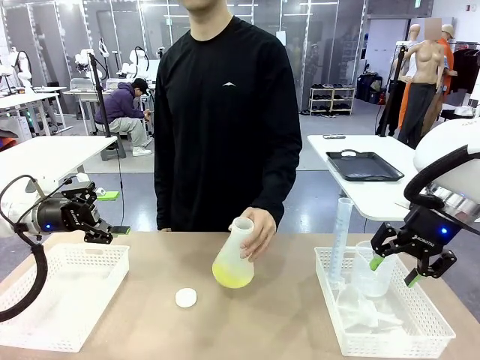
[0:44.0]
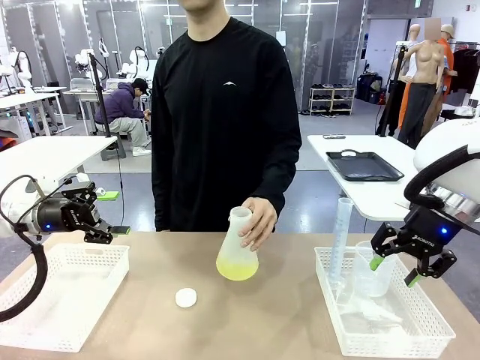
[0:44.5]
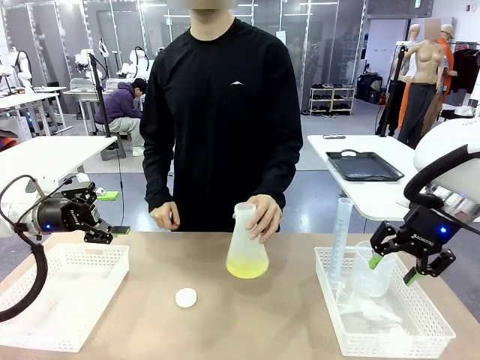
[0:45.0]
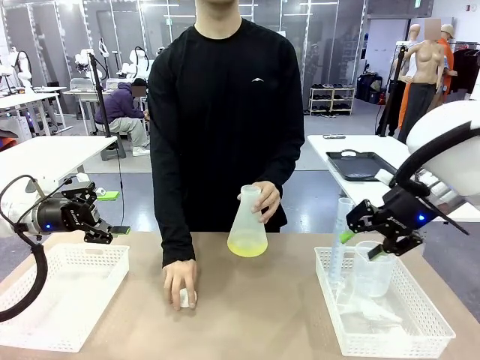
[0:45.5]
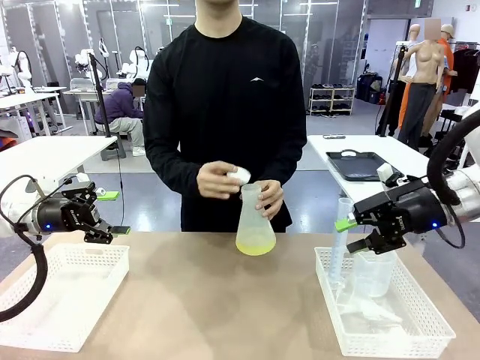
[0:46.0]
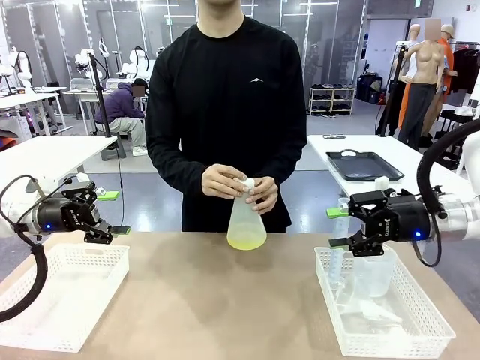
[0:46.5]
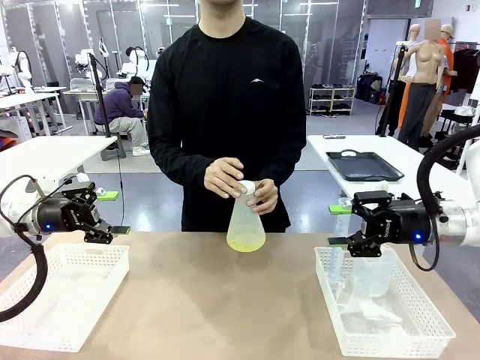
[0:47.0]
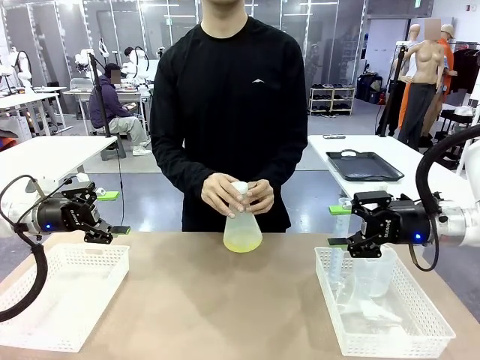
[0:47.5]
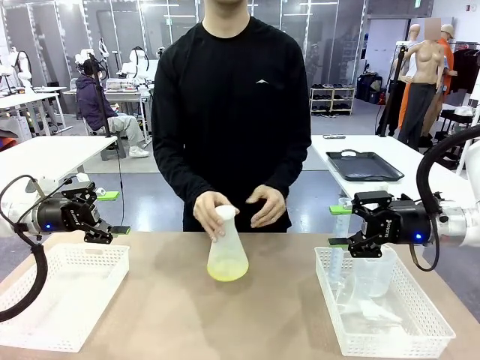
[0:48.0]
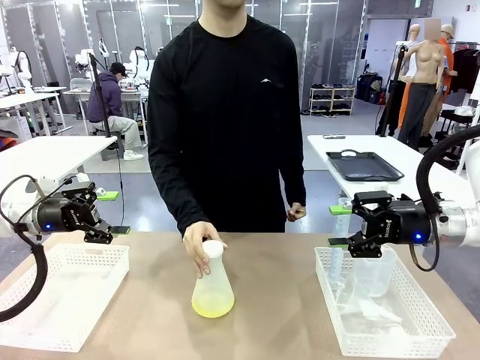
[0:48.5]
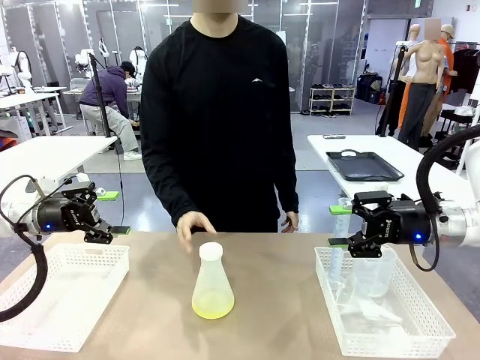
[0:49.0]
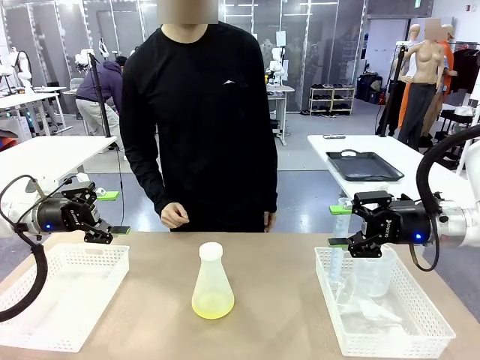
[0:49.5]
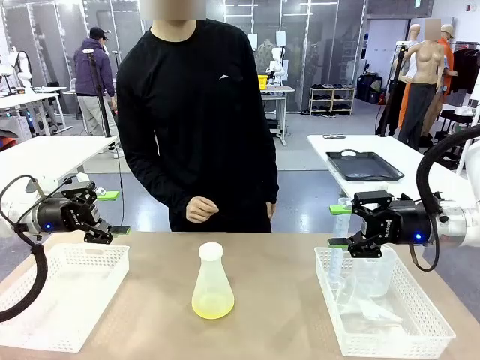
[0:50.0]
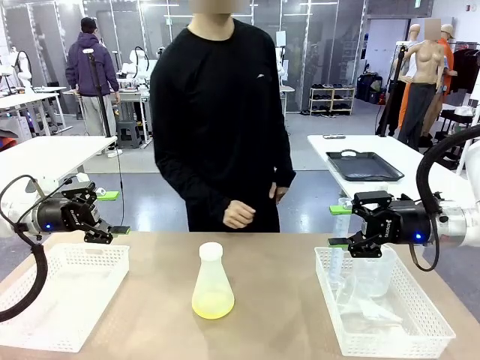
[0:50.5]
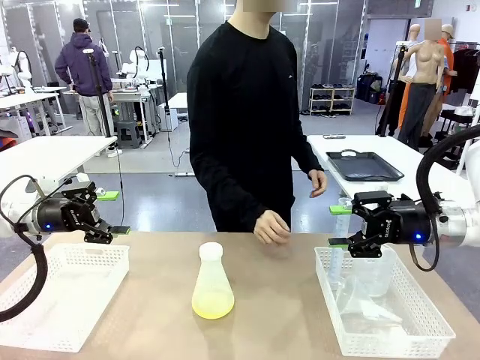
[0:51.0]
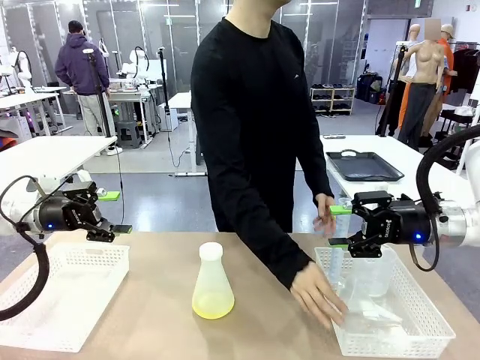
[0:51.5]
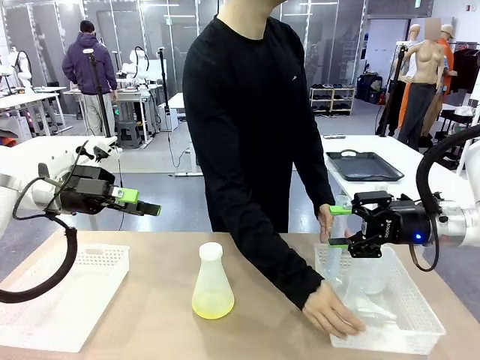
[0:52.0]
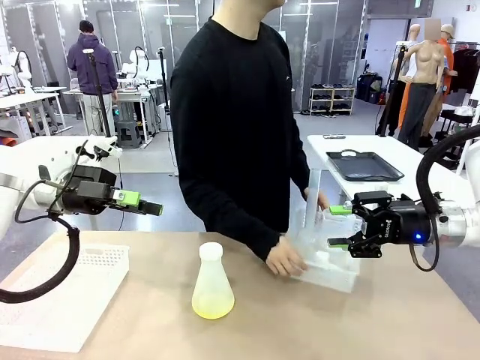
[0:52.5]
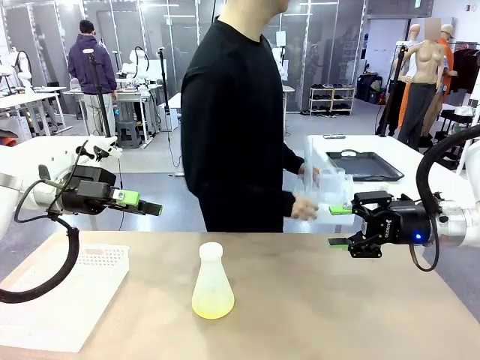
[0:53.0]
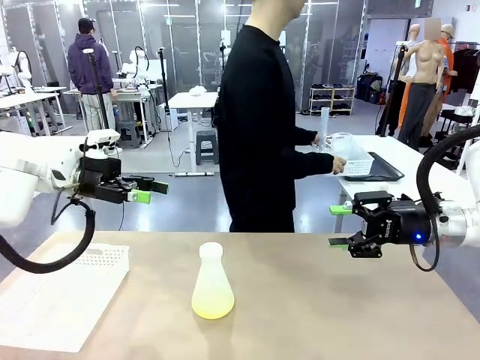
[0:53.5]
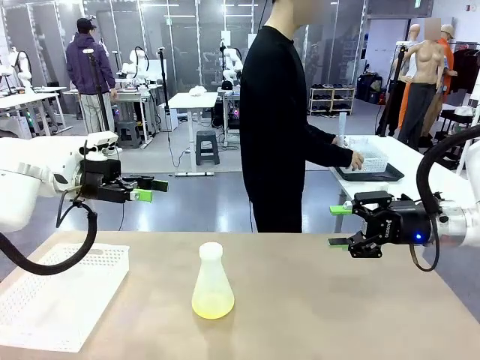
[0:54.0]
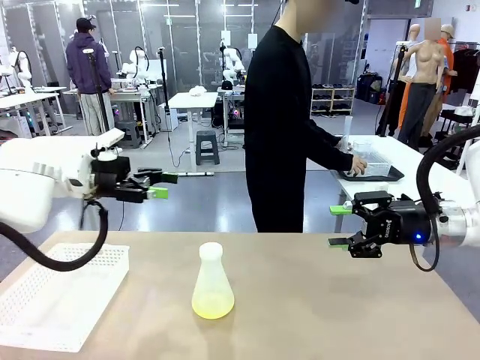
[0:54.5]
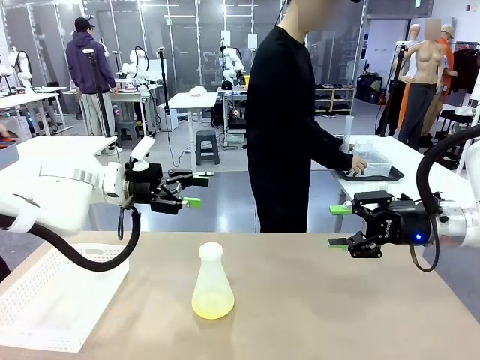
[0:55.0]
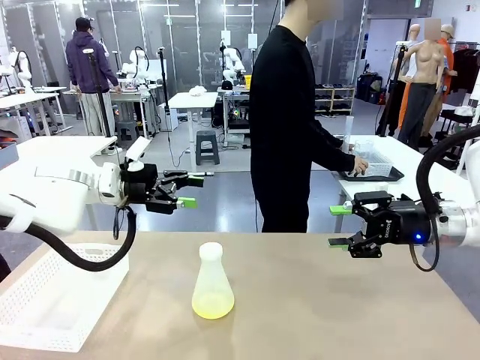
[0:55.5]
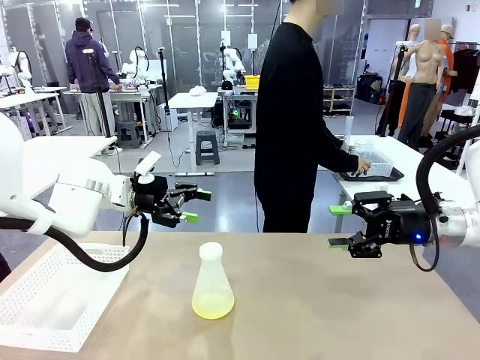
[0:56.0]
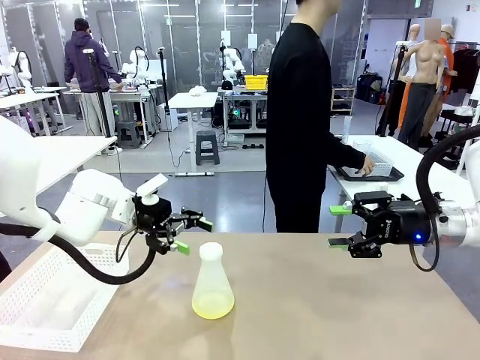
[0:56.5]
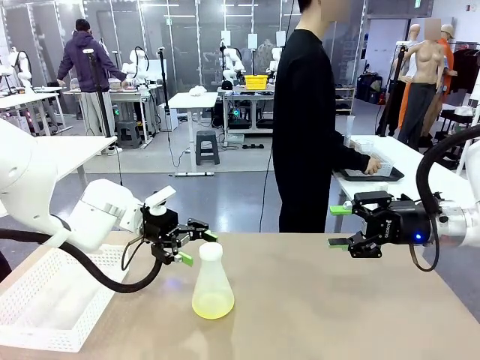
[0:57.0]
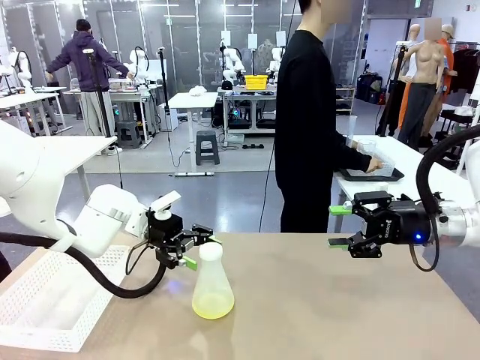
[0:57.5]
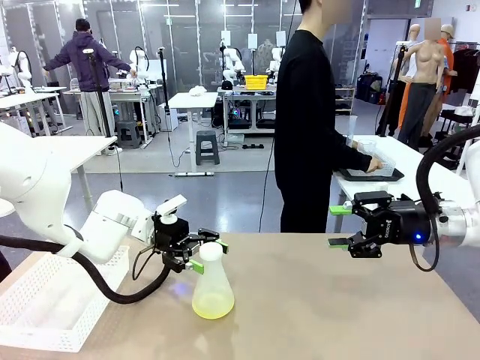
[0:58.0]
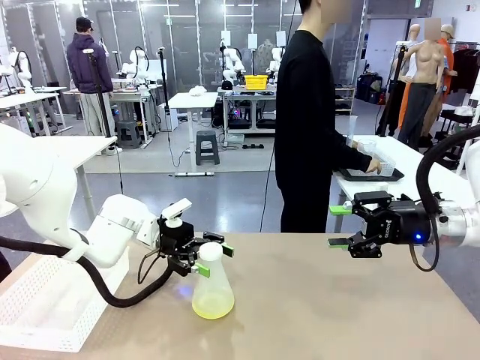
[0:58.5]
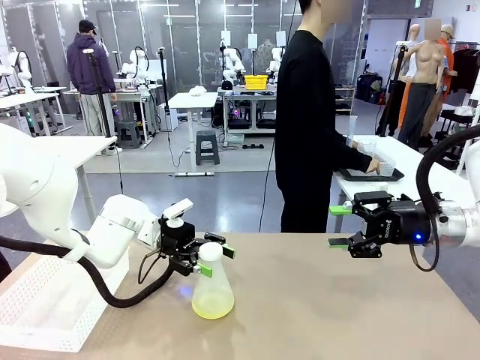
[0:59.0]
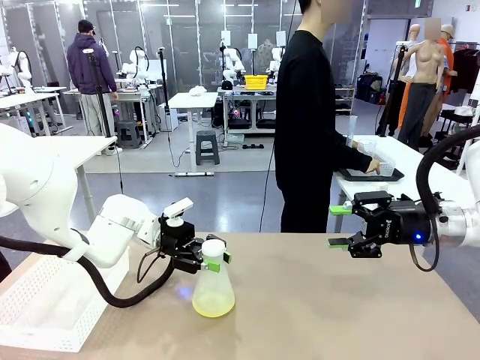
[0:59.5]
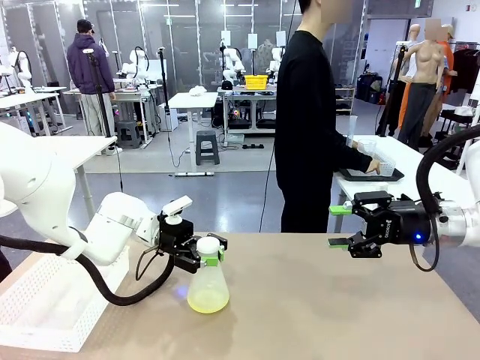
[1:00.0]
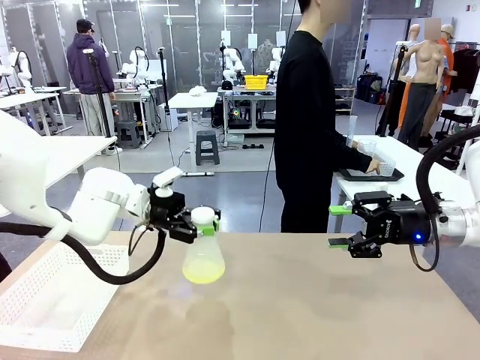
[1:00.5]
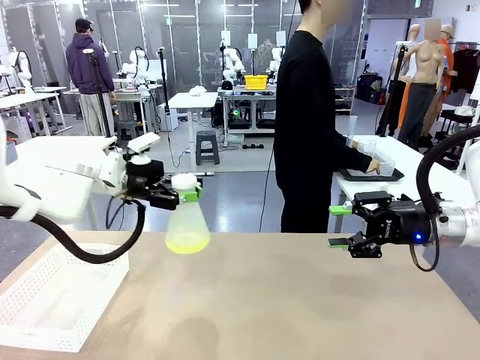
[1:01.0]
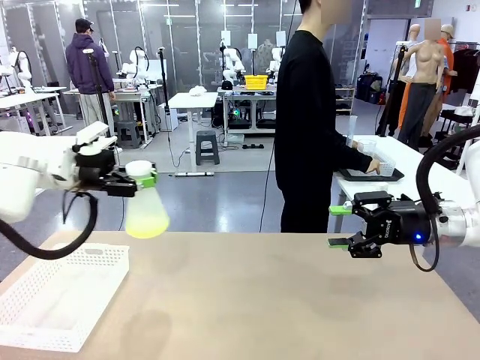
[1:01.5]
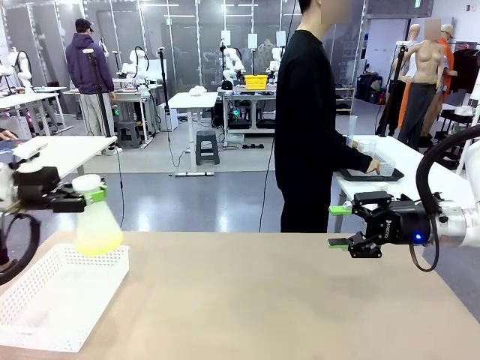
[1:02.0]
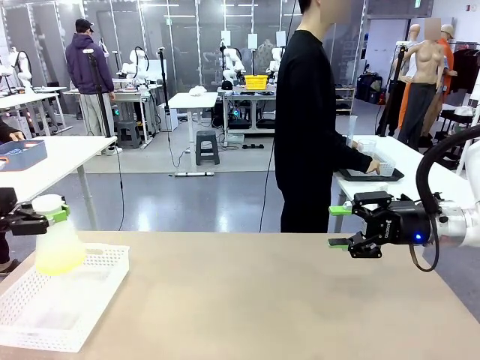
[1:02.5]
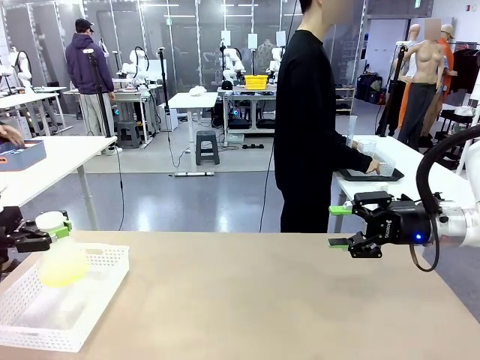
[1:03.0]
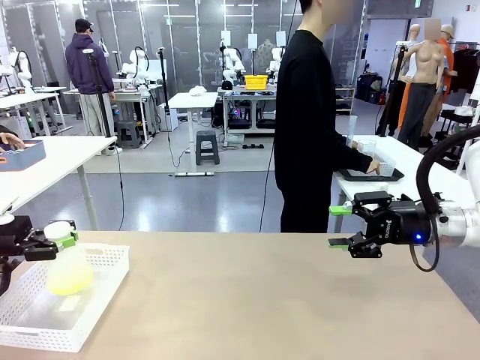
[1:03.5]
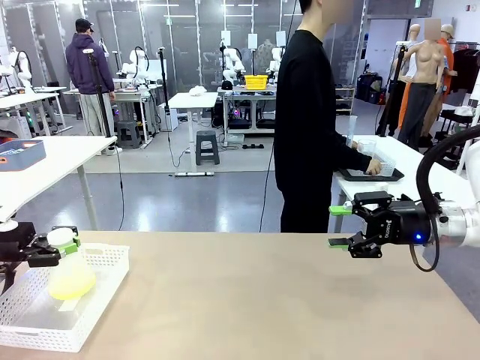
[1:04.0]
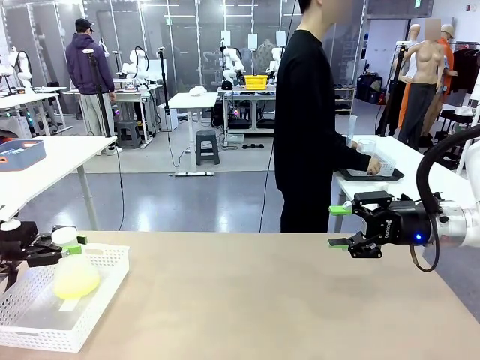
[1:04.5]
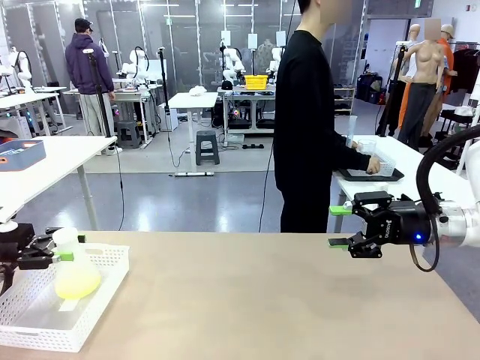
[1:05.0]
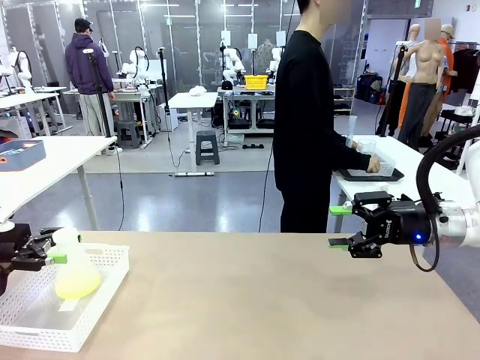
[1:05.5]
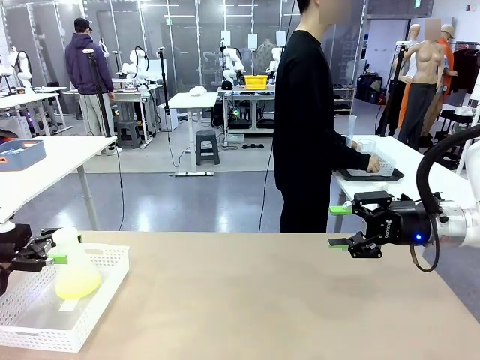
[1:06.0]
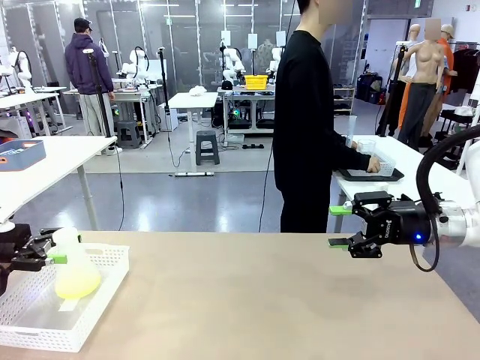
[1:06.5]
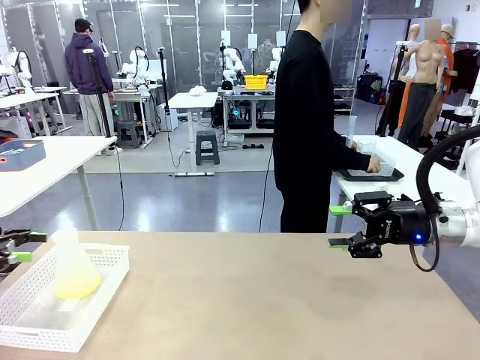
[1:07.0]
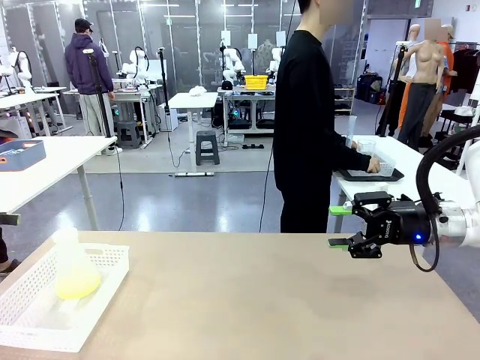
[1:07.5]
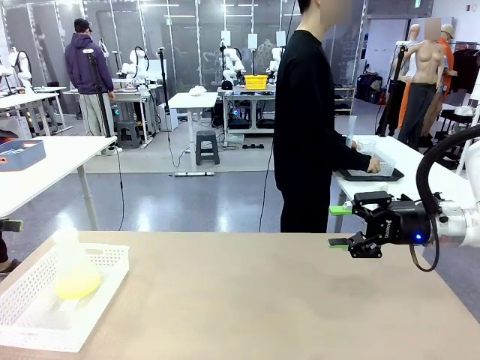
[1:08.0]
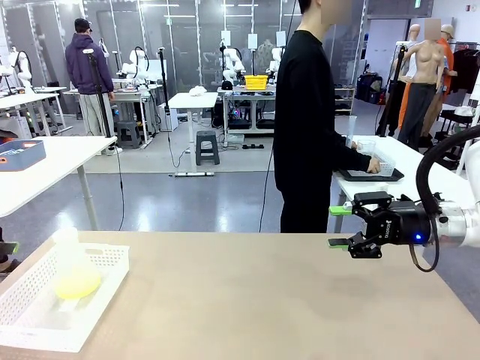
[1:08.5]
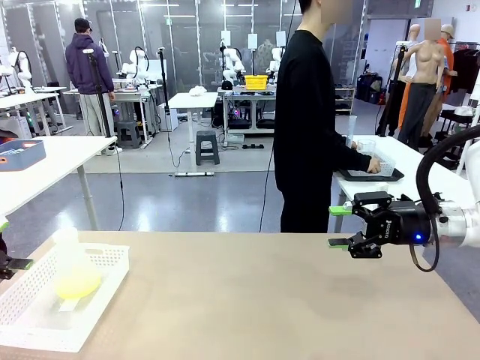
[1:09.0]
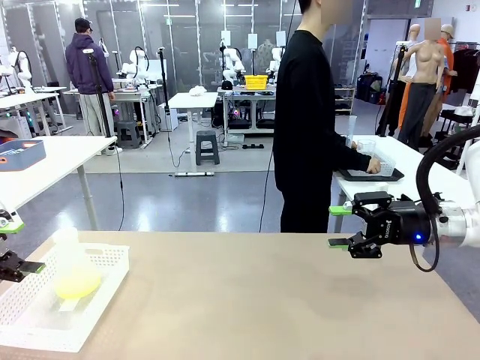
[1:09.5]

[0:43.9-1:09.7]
Task: Prepare the solutions needed for the experiment.
Robot: When the human places the Big flask in the center of the table, pick up the Big flask and place it in the left Organizing basket.
Person: Pick up the organizing basket on the left side of the robot table and place it on the left side of the human table.
